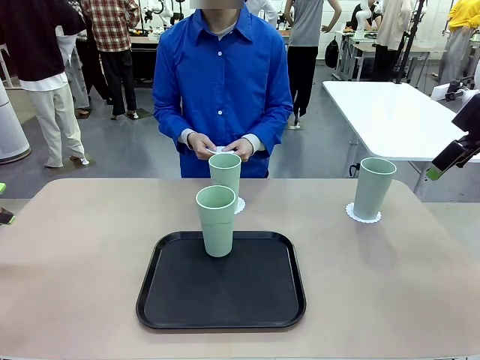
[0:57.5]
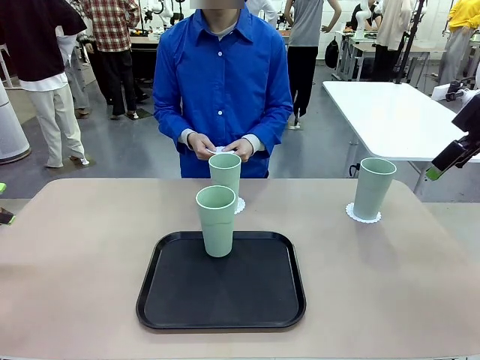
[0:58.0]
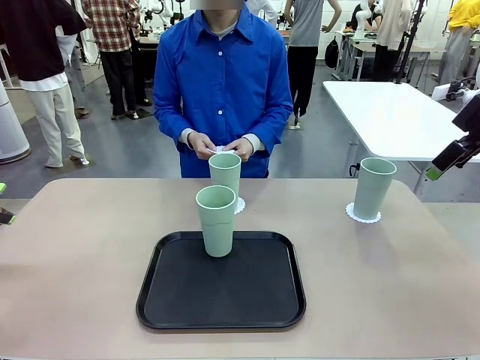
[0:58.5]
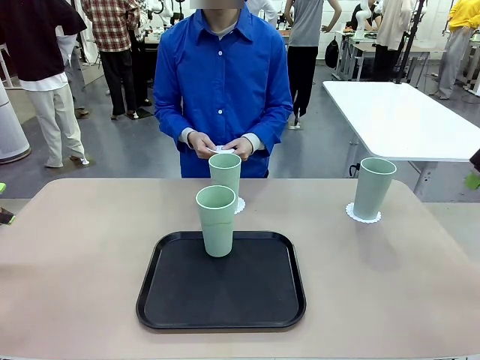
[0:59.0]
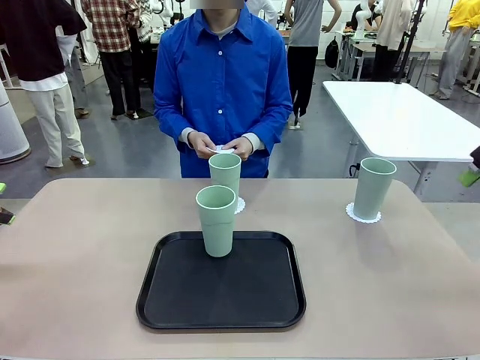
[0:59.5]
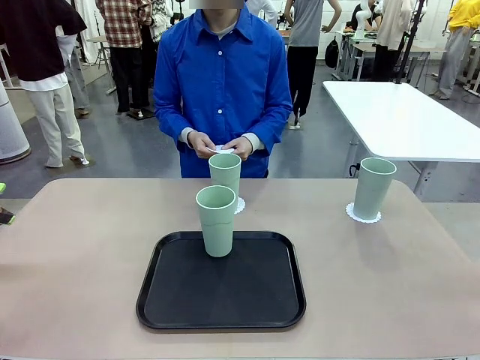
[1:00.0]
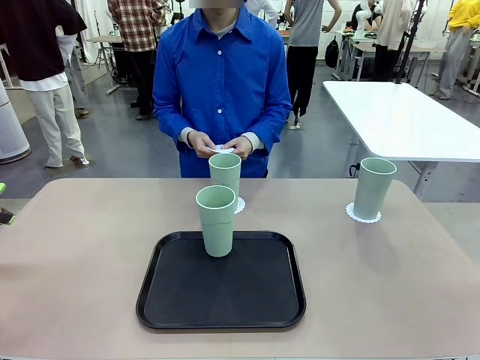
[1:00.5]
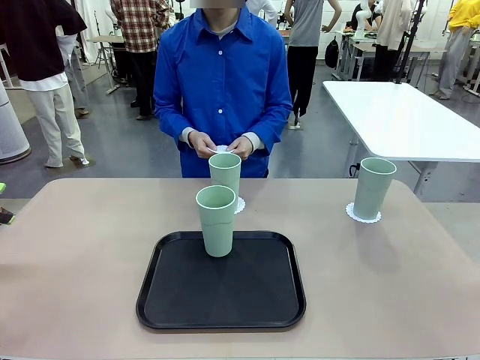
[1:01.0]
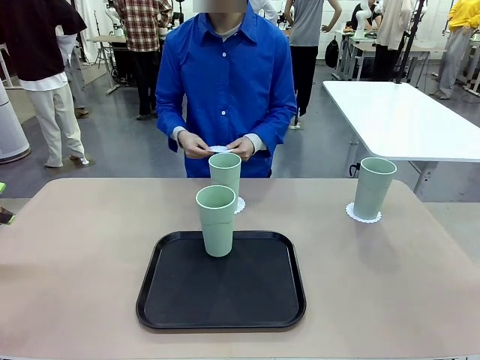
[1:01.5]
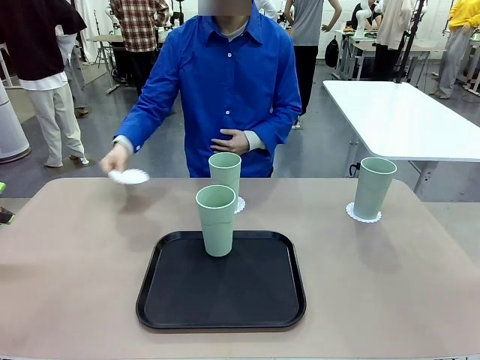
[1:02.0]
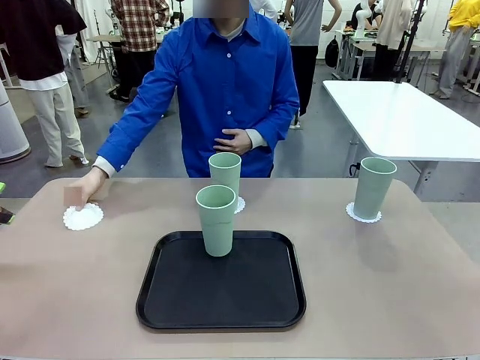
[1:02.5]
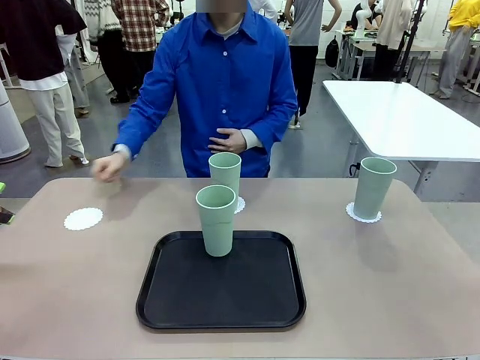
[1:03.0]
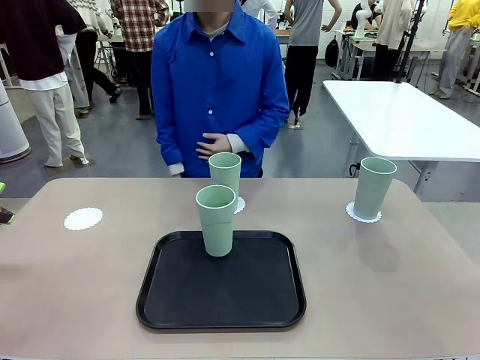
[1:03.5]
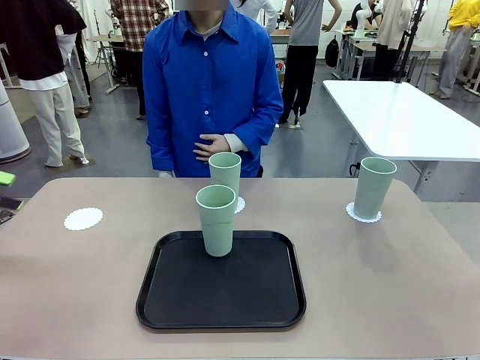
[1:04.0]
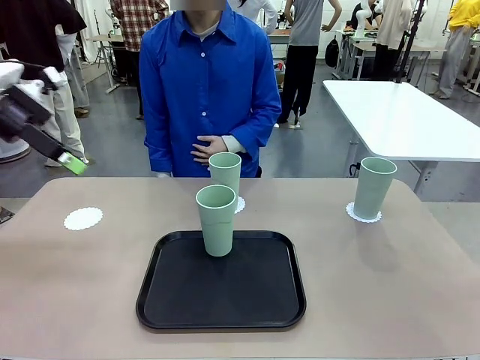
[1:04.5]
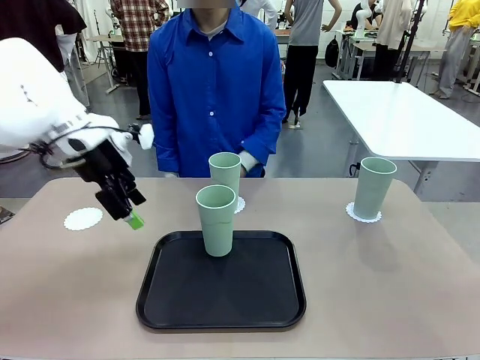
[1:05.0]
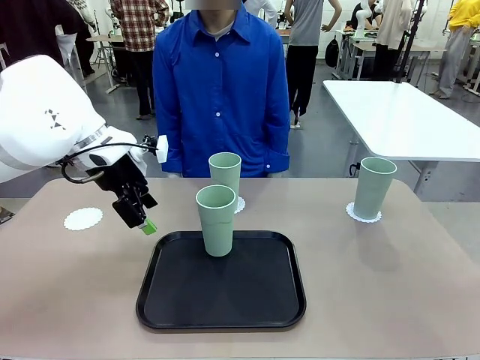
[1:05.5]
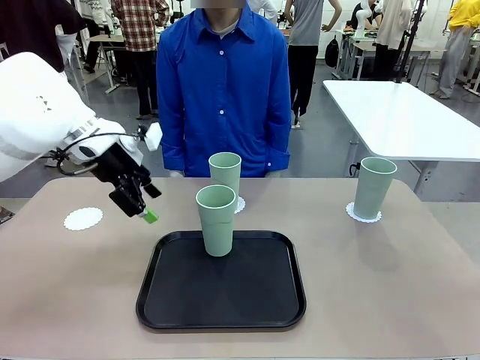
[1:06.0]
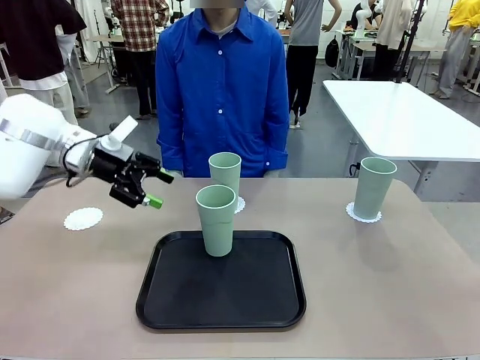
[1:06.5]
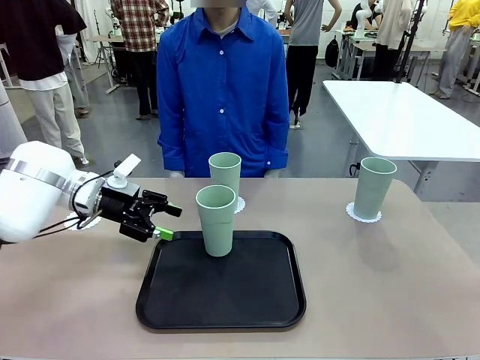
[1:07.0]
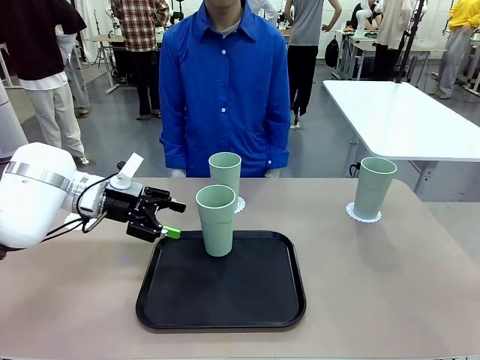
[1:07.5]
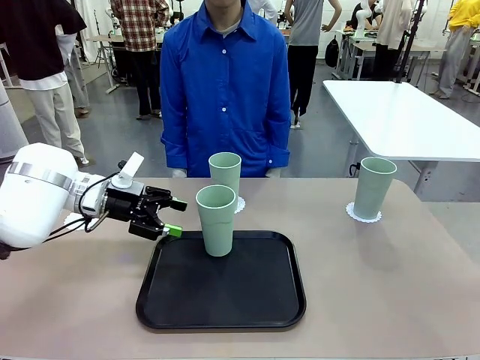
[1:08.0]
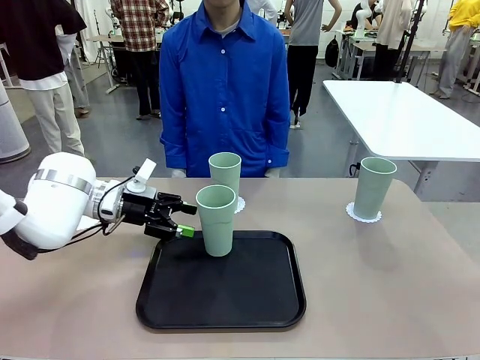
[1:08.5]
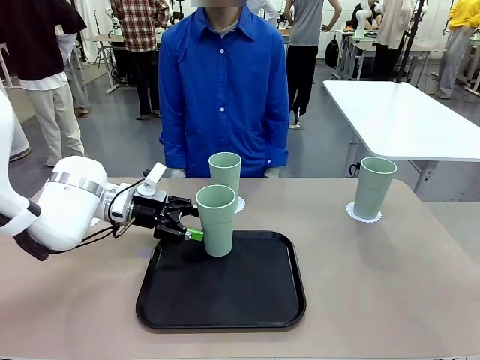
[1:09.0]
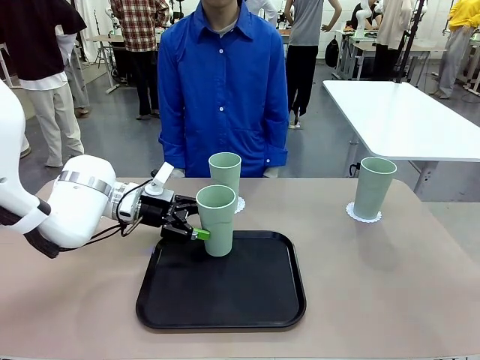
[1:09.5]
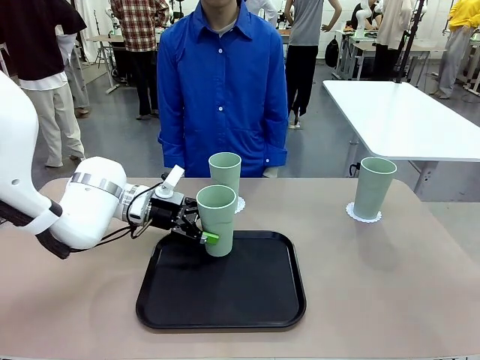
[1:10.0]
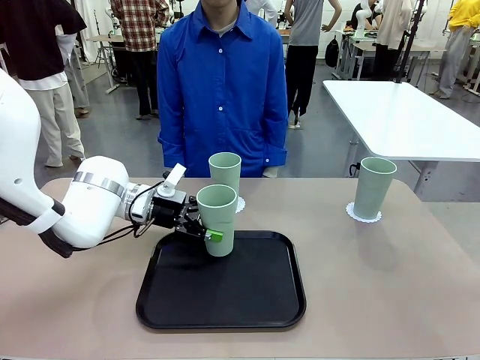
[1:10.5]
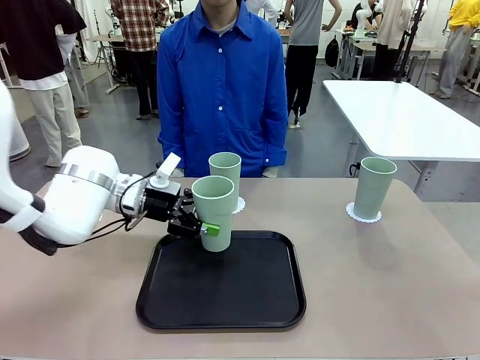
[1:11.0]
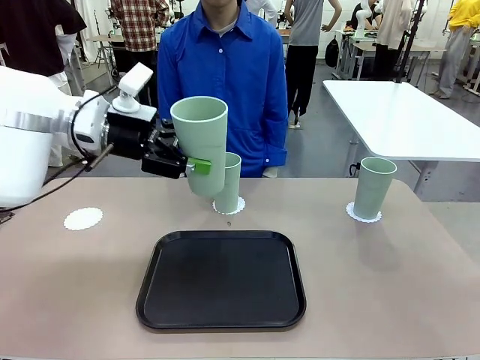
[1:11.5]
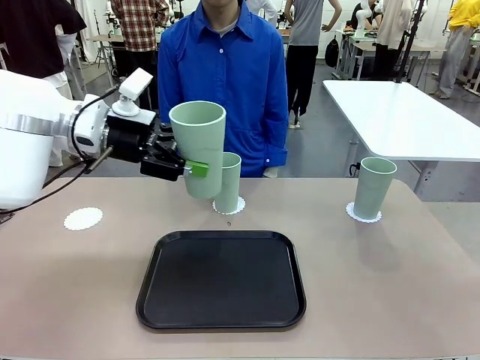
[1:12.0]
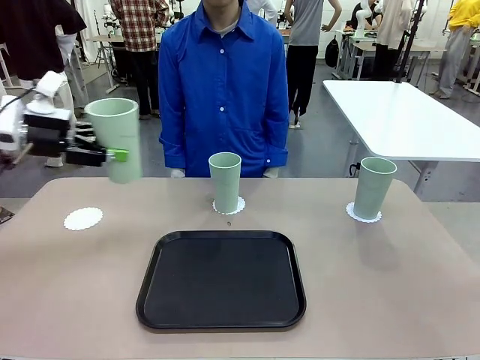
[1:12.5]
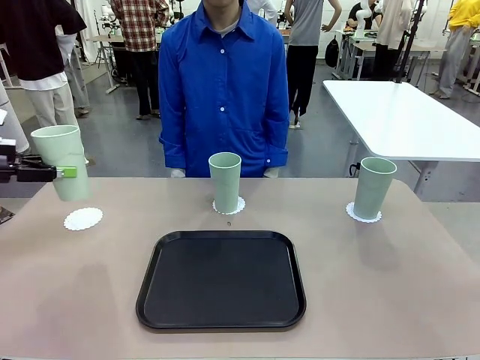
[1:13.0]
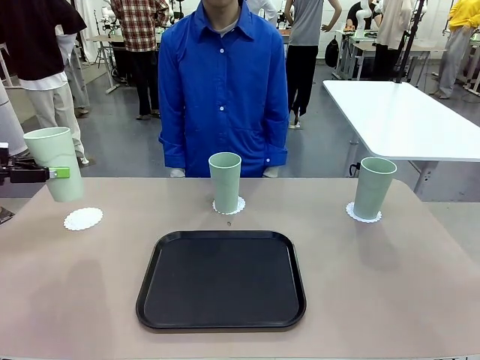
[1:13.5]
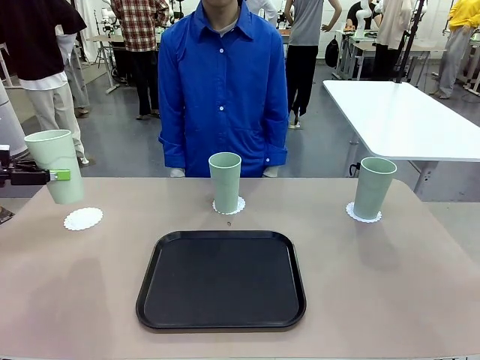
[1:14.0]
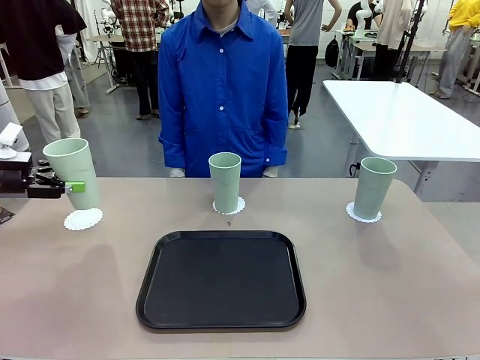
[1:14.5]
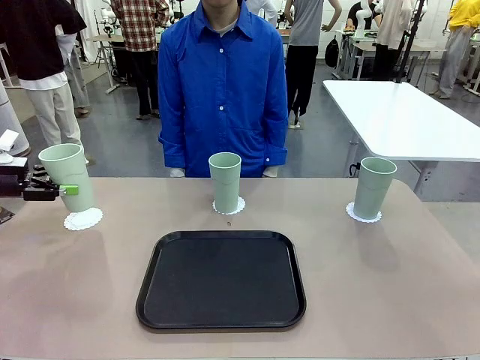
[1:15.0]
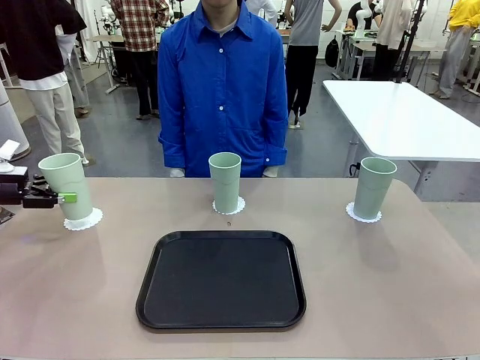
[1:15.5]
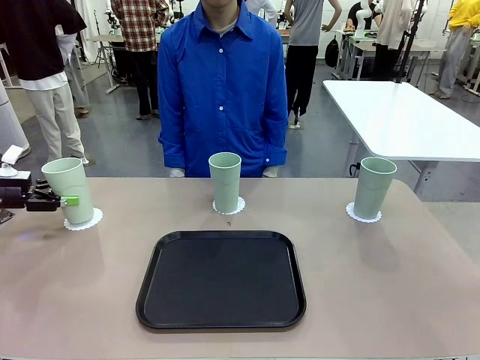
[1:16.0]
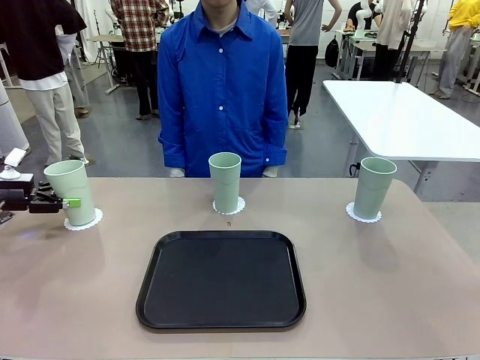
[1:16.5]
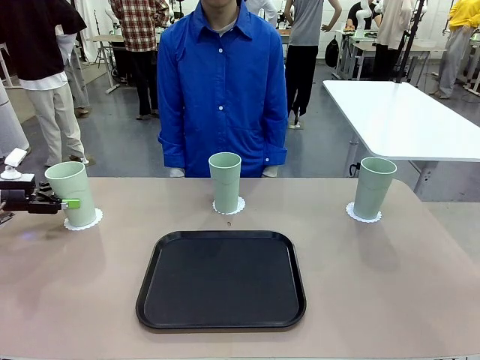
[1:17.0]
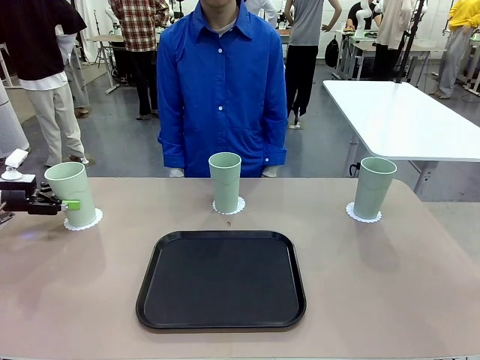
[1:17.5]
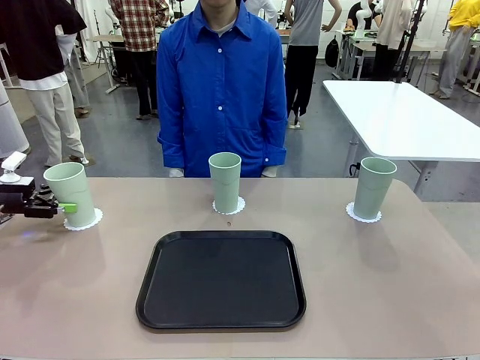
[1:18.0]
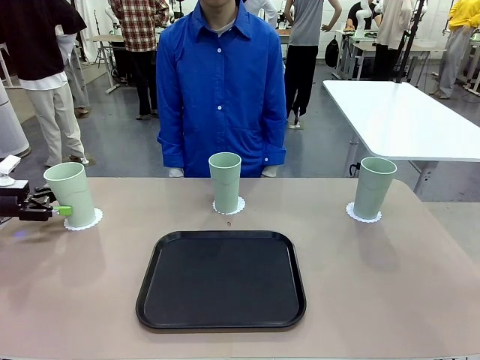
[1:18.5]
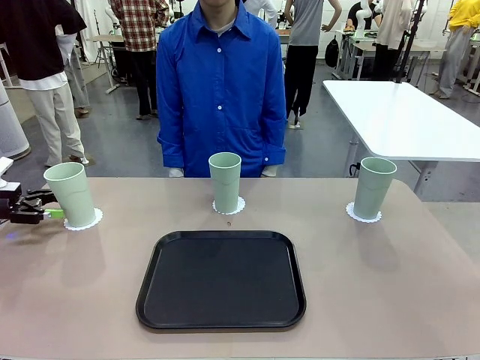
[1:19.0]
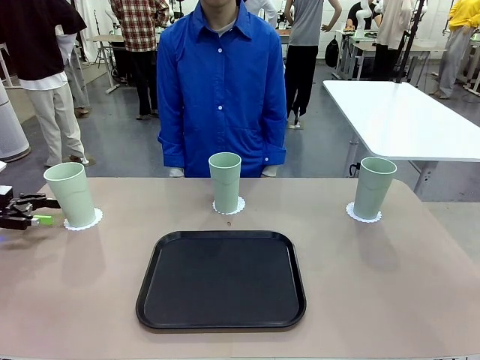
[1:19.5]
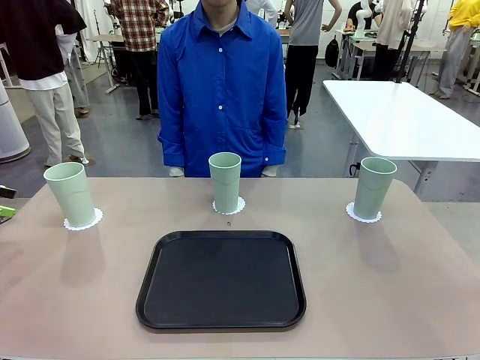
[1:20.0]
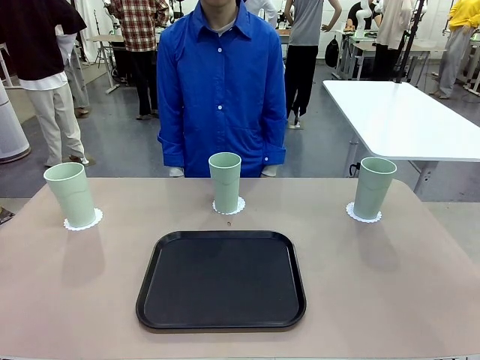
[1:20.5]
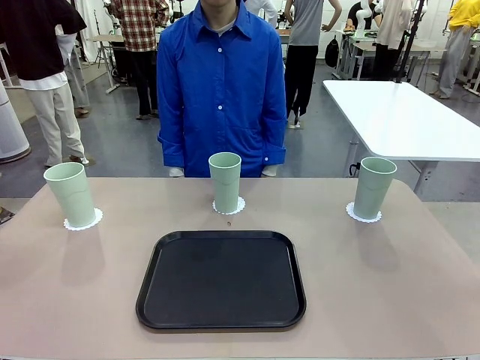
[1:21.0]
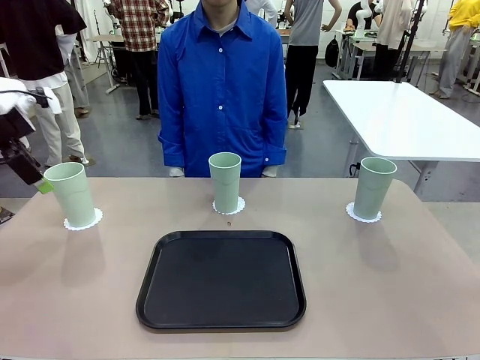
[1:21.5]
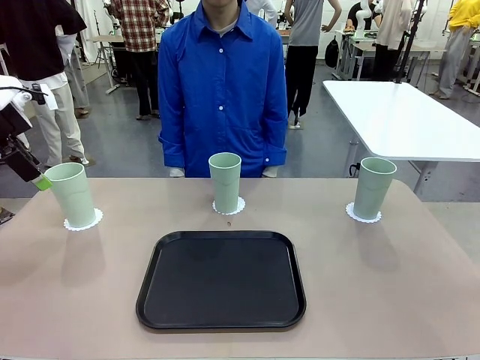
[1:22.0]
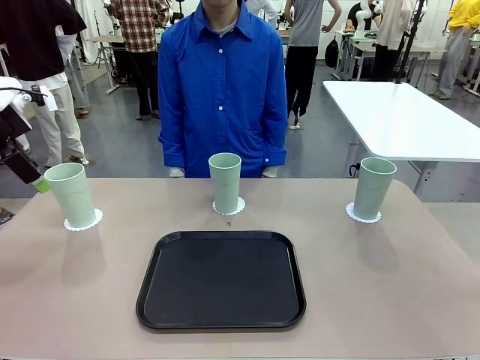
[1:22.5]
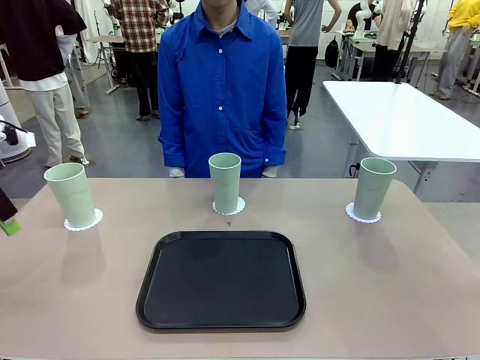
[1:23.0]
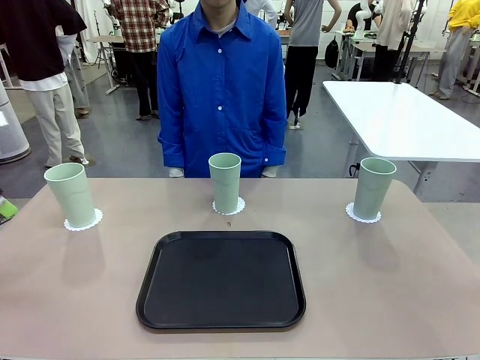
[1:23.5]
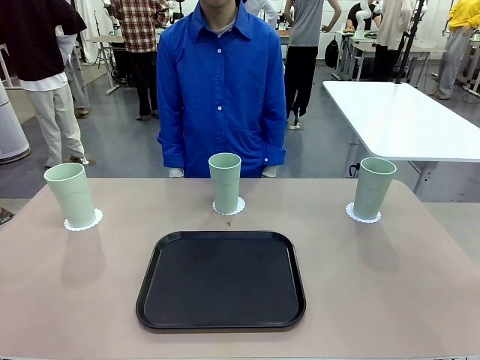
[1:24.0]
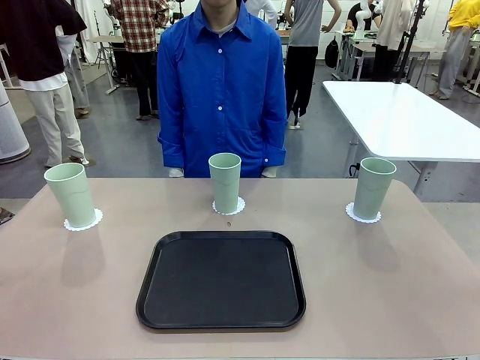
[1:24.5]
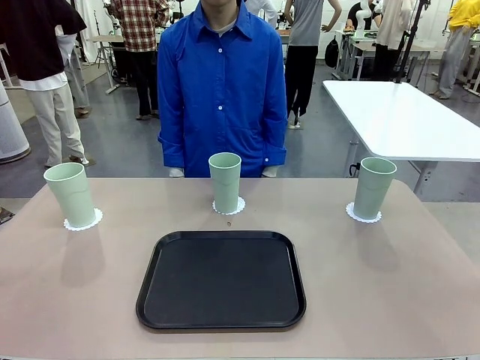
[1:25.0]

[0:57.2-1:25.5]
Task: Place coasters on the table and set cups on them.
Robot: Take one Reusable plastic cup from the Flat Tray and place it on a coaster set by the human.
Person: Place one coaster in the only remaining area.
